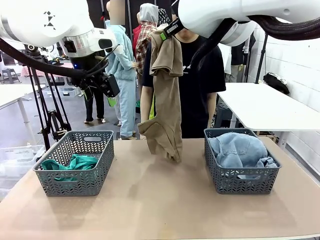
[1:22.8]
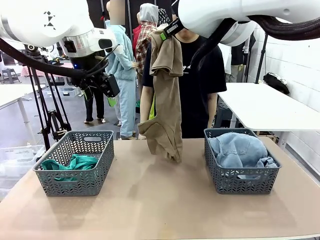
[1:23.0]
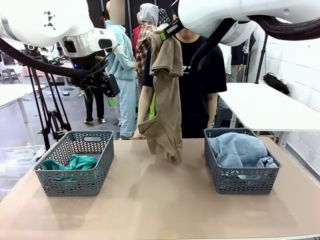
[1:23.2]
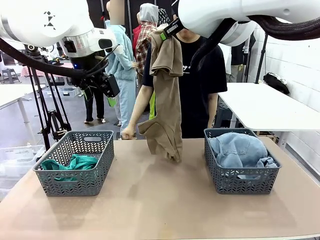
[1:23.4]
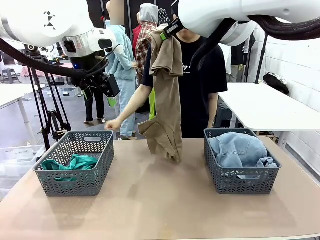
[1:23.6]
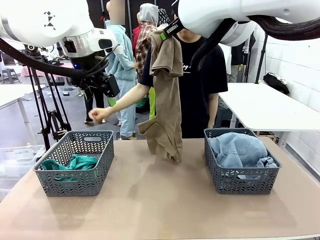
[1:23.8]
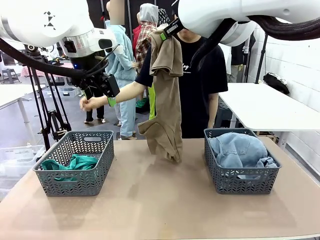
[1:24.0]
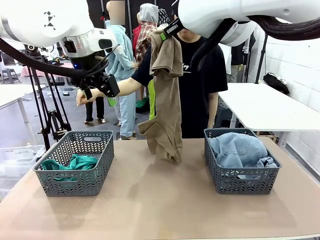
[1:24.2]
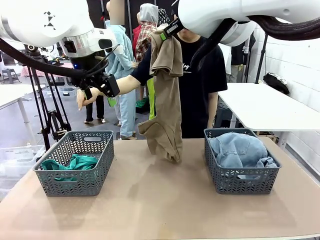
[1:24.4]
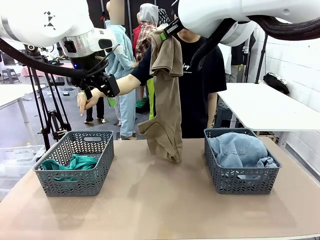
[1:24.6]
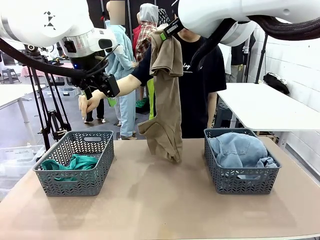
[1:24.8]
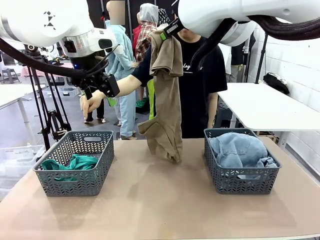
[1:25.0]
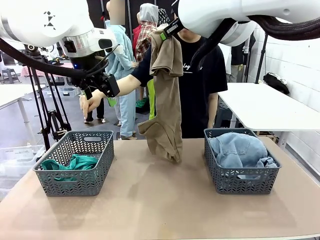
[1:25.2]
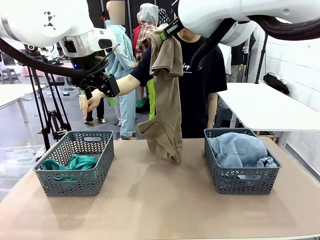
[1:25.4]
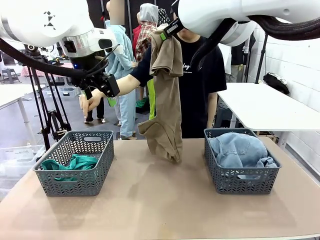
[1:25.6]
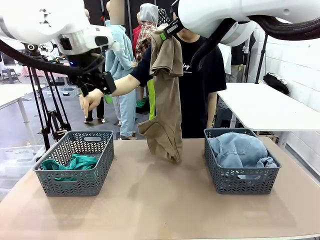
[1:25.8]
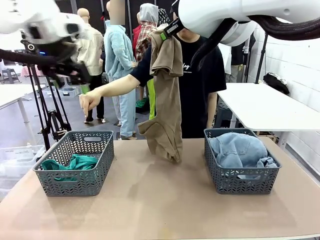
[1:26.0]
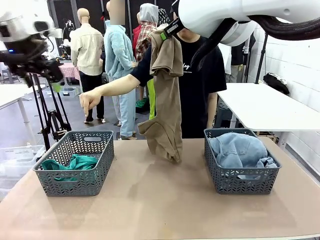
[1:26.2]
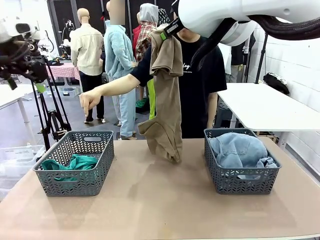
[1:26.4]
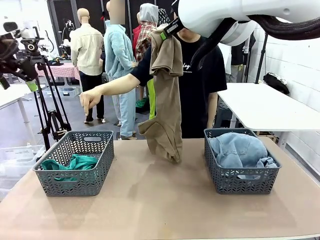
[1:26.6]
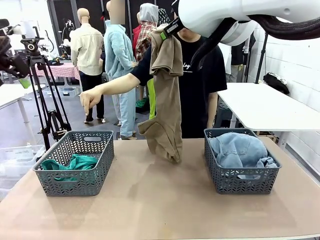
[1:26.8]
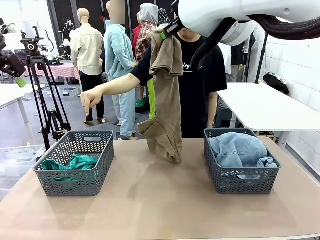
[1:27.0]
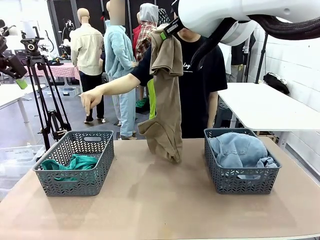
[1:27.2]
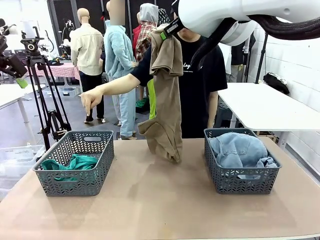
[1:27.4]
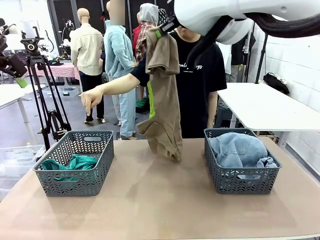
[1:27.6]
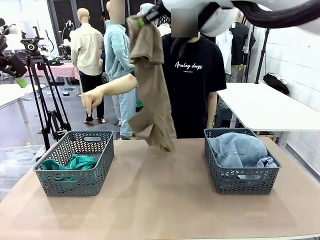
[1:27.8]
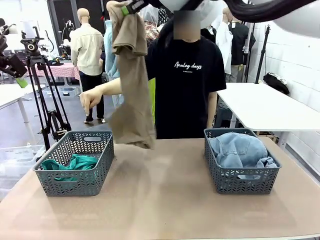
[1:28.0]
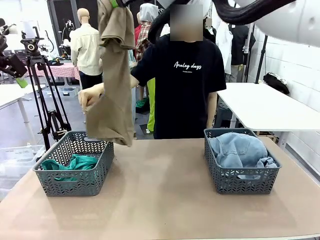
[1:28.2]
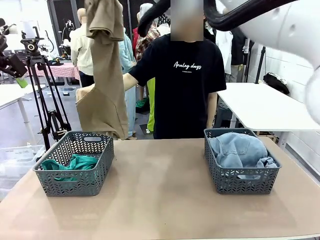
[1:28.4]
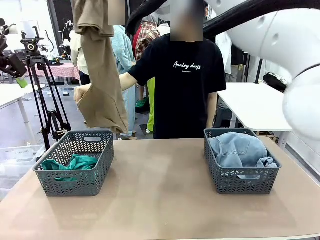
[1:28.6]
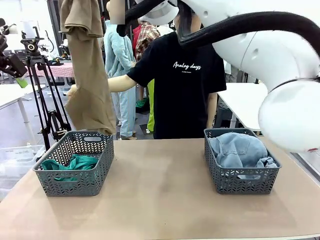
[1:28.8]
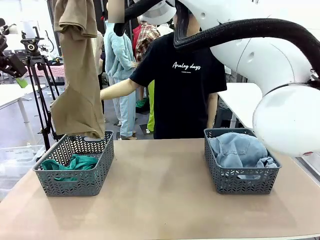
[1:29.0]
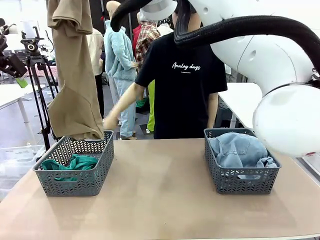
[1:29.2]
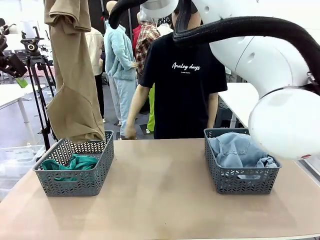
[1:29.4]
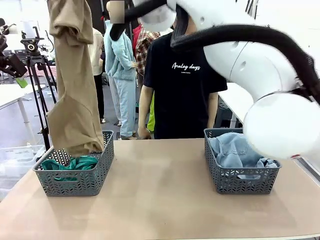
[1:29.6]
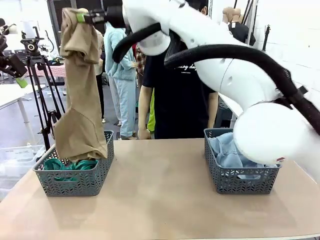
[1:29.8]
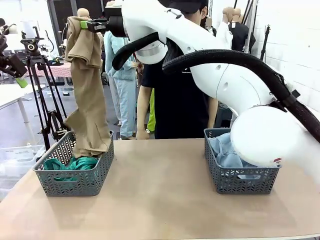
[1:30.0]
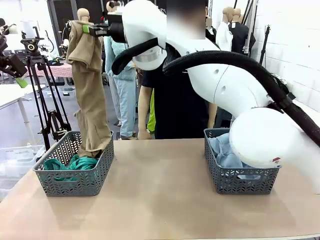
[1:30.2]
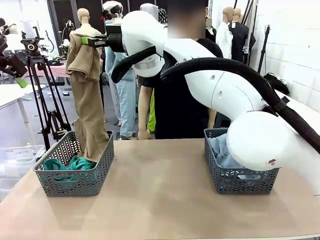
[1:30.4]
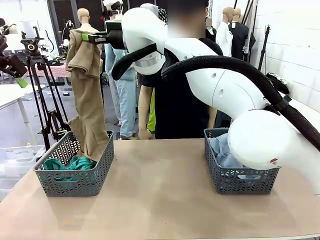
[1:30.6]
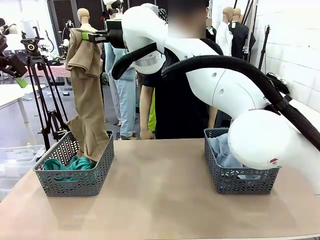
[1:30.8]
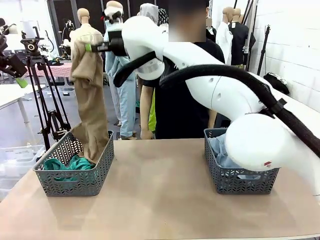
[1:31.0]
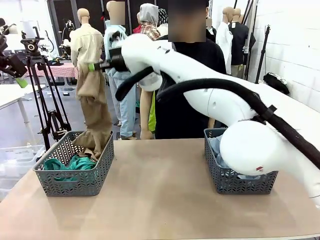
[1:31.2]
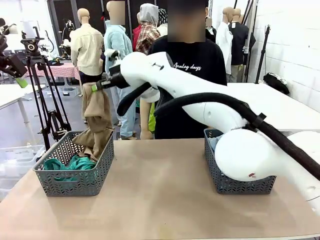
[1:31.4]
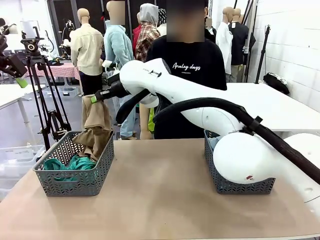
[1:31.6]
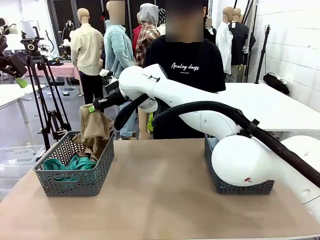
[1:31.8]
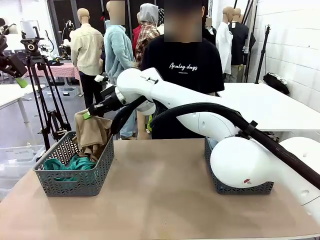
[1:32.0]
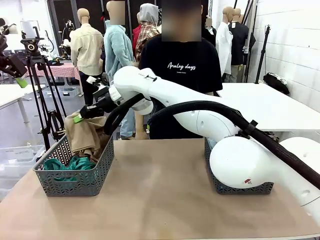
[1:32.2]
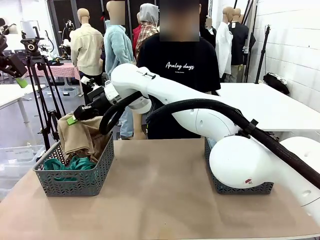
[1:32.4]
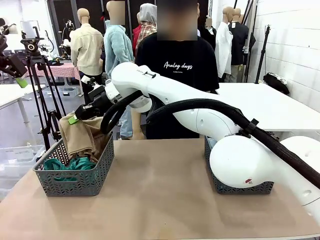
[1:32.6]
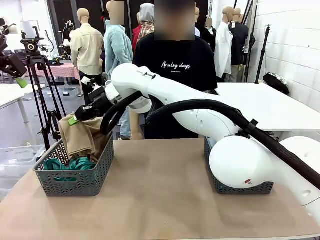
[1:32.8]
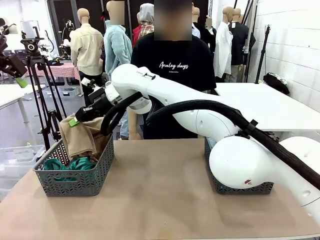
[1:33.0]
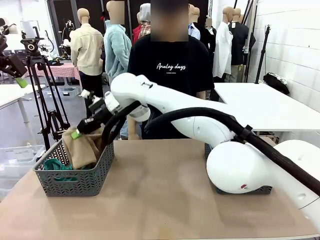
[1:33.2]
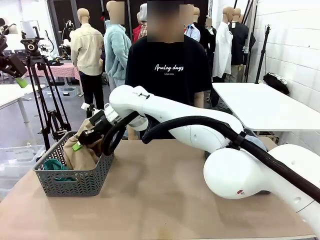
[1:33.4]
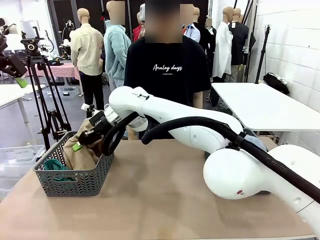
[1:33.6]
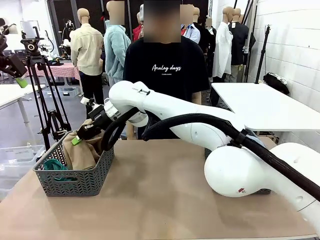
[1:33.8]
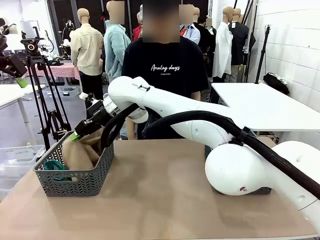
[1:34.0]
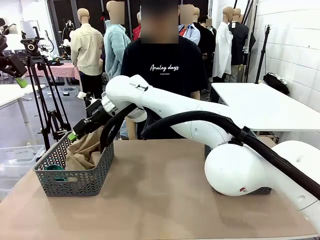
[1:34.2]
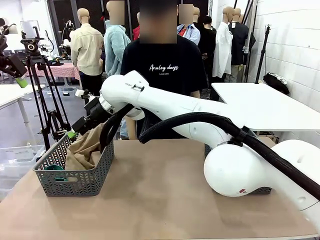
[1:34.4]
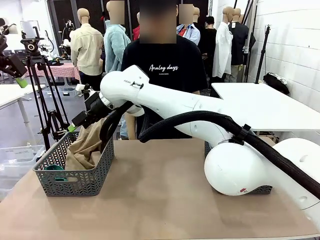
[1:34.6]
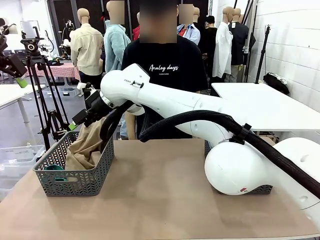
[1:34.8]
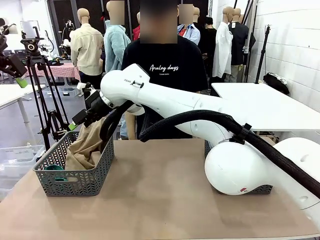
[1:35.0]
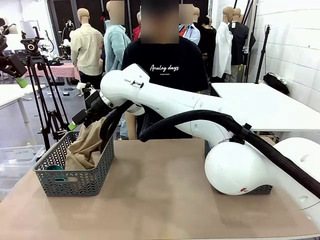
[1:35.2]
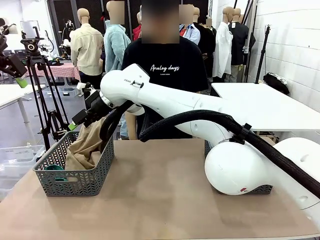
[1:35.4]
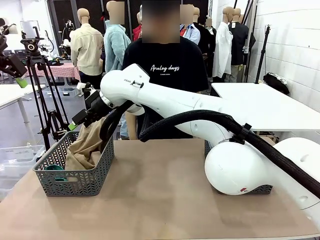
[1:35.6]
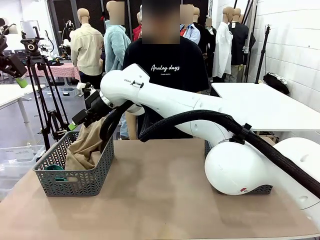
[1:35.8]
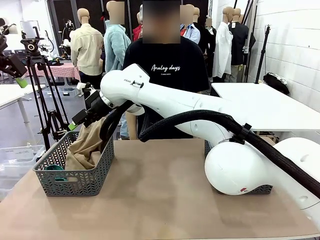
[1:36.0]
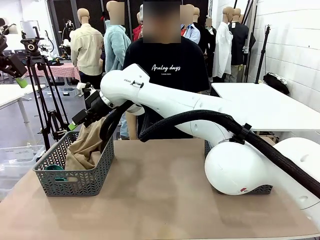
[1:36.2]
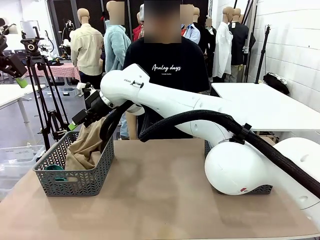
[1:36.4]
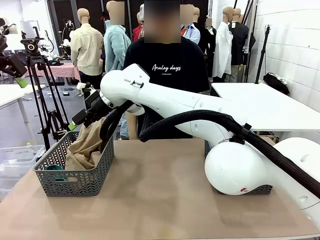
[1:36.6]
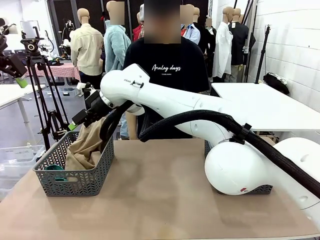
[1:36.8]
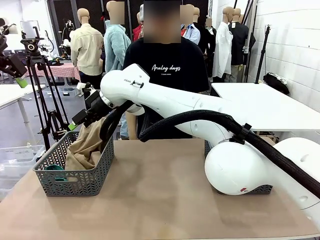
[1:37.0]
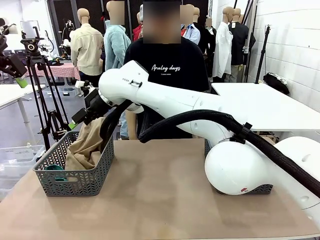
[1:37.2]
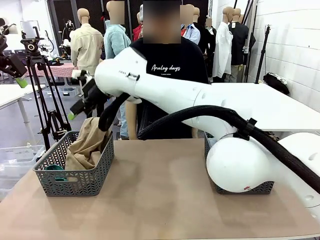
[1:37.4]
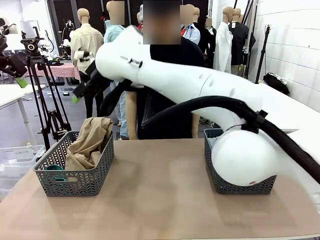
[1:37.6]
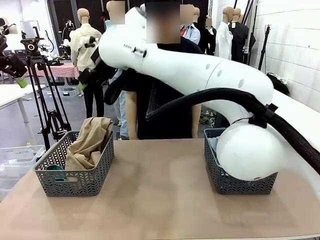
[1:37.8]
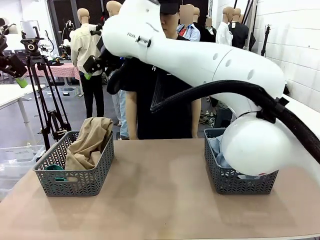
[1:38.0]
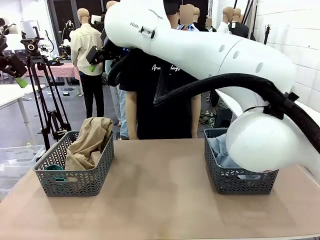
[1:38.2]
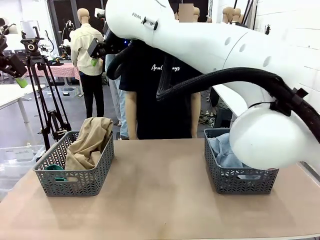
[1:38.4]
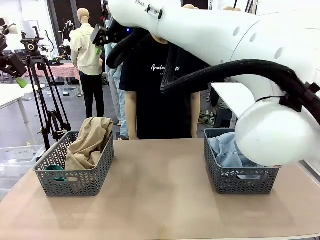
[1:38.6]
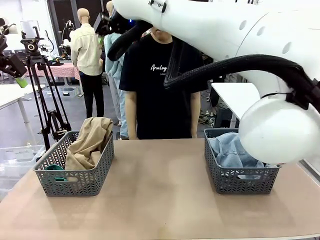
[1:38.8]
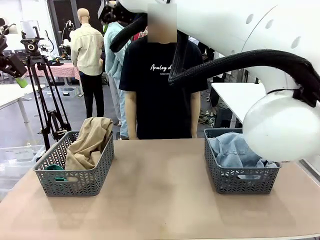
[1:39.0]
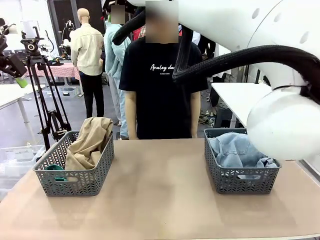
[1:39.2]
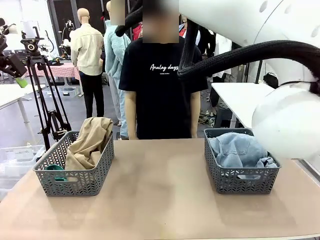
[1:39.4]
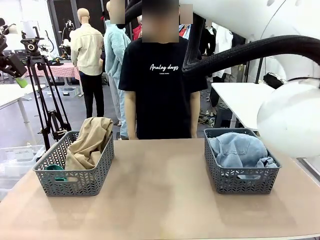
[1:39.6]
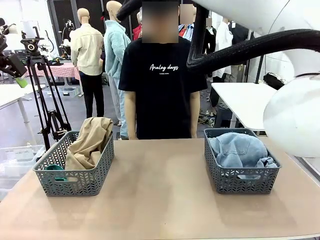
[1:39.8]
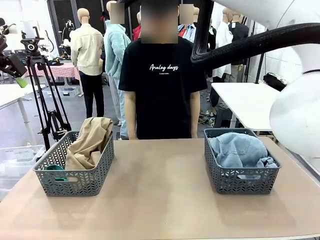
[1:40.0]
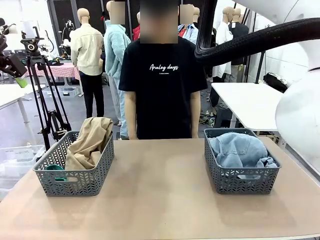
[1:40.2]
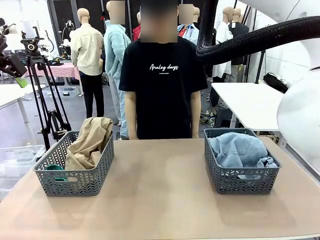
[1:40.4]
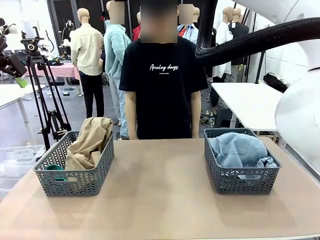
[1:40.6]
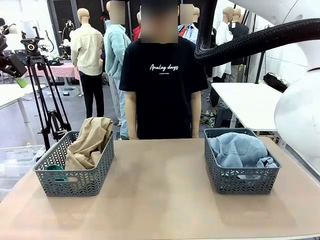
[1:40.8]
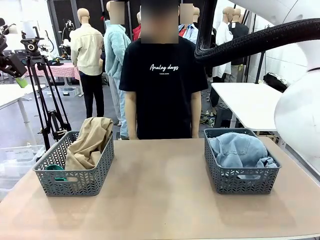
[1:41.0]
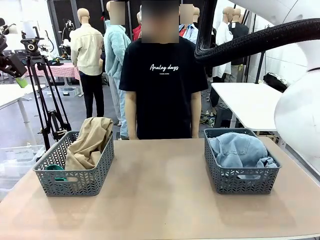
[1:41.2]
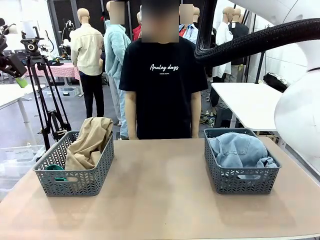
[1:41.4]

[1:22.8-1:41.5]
Task: Sort the tops and bottoms.
Robot: Sort the clothes according to human instructions.
